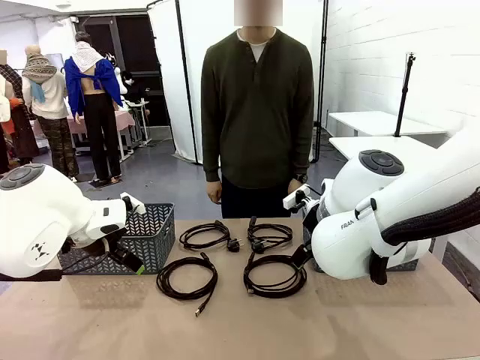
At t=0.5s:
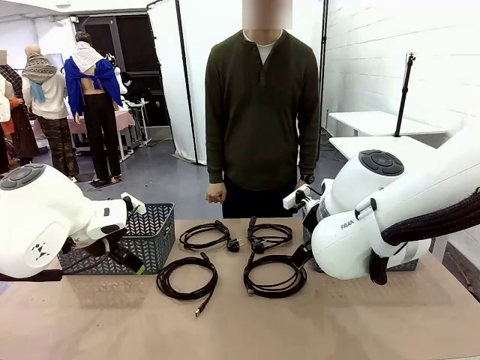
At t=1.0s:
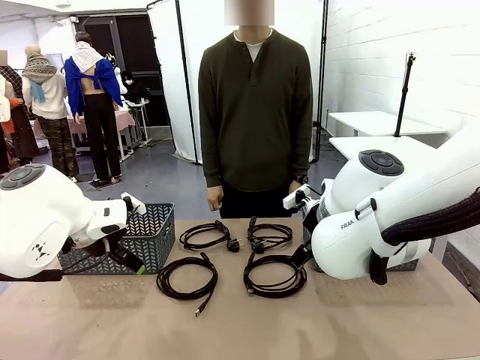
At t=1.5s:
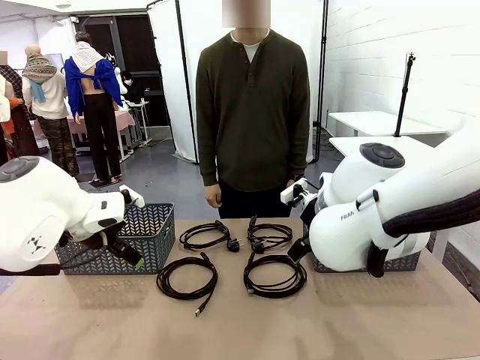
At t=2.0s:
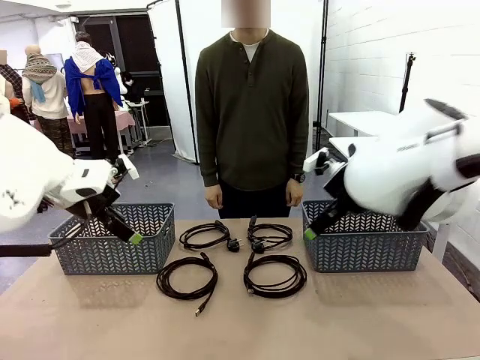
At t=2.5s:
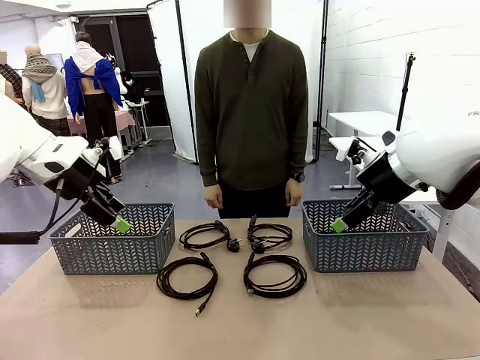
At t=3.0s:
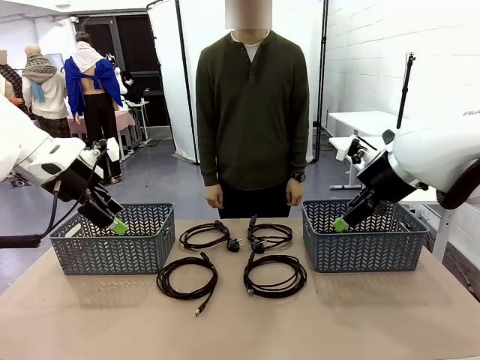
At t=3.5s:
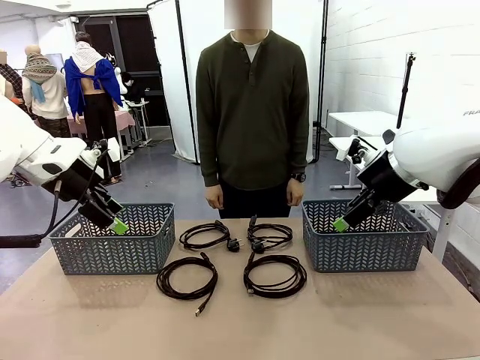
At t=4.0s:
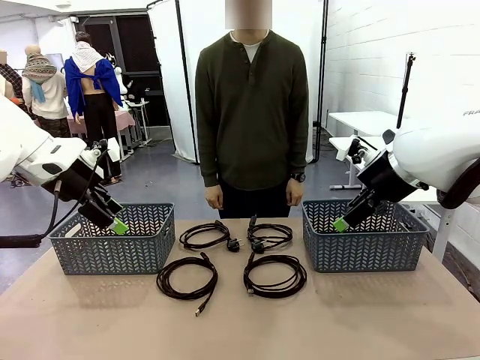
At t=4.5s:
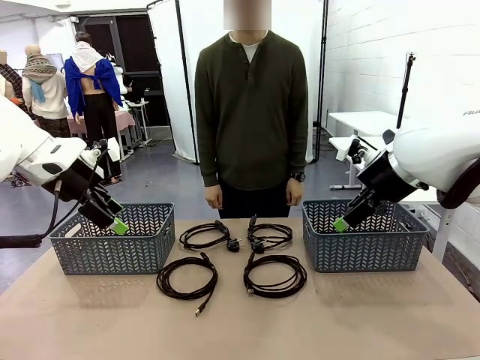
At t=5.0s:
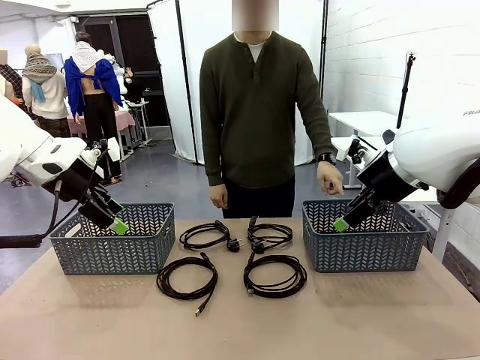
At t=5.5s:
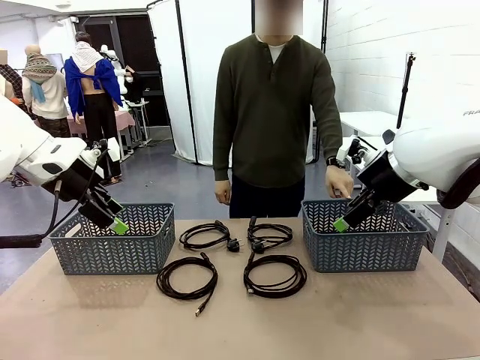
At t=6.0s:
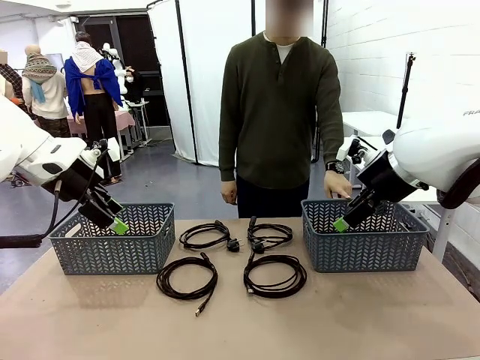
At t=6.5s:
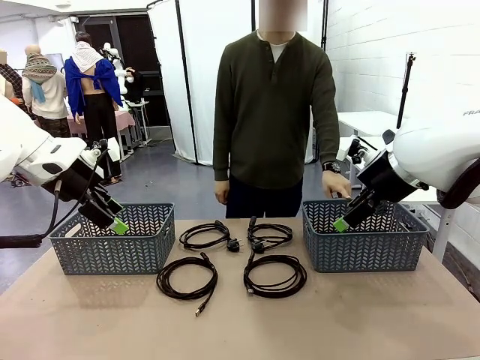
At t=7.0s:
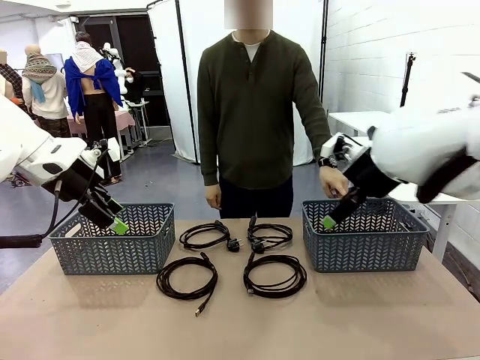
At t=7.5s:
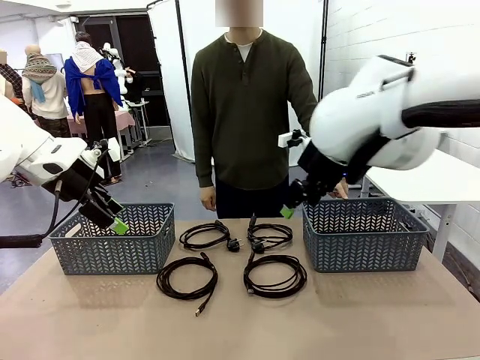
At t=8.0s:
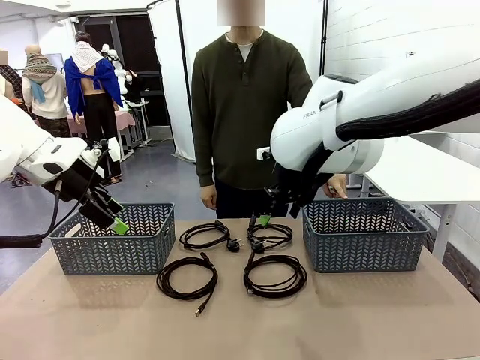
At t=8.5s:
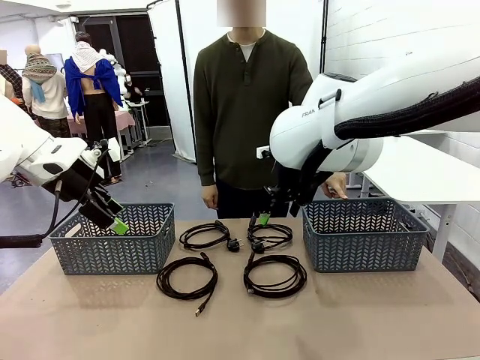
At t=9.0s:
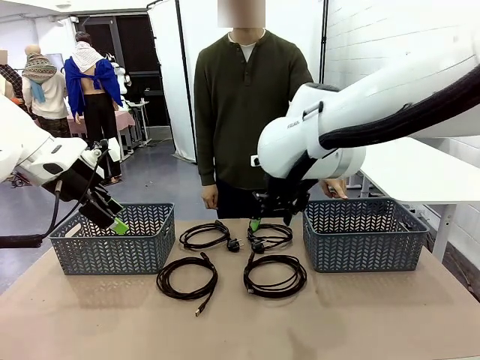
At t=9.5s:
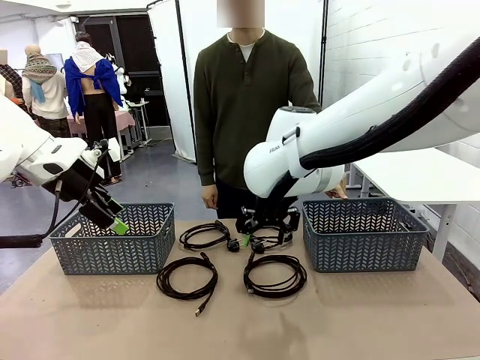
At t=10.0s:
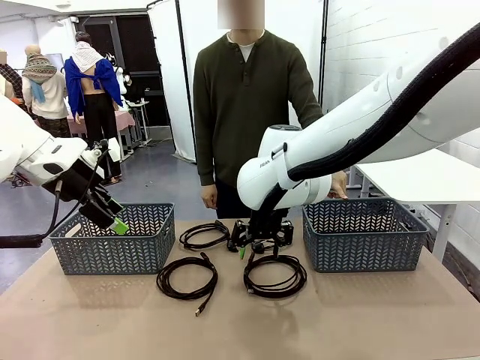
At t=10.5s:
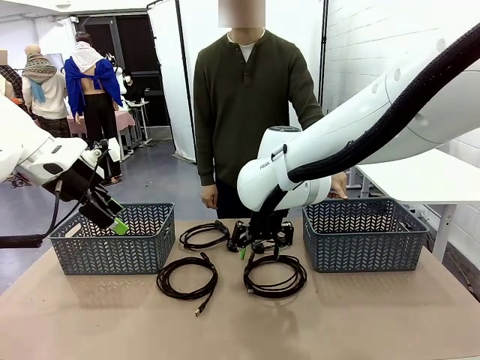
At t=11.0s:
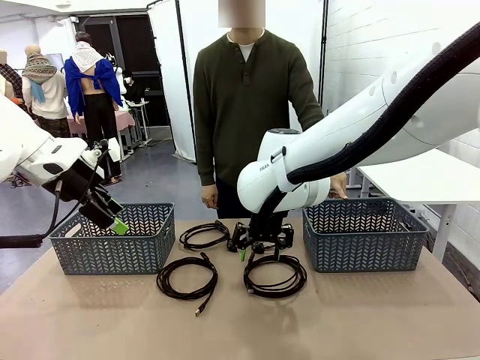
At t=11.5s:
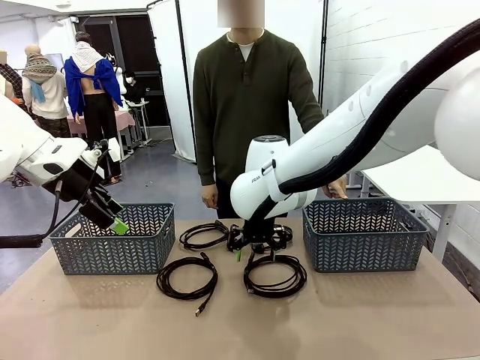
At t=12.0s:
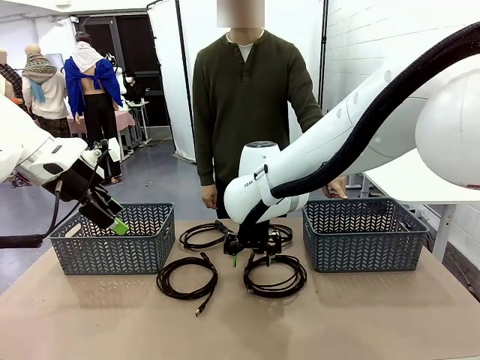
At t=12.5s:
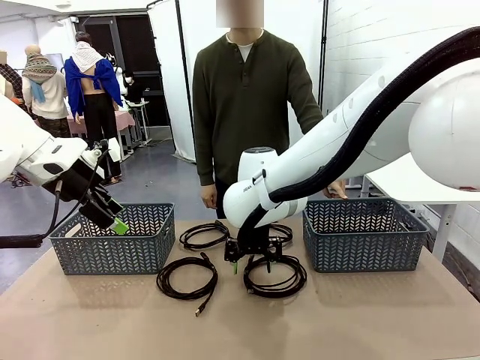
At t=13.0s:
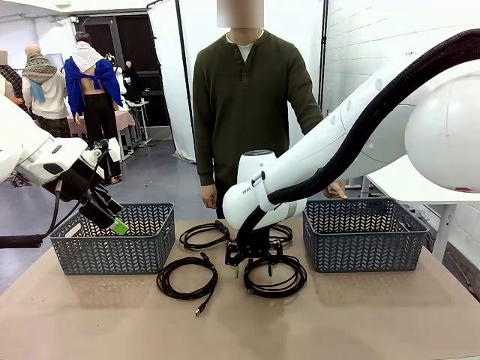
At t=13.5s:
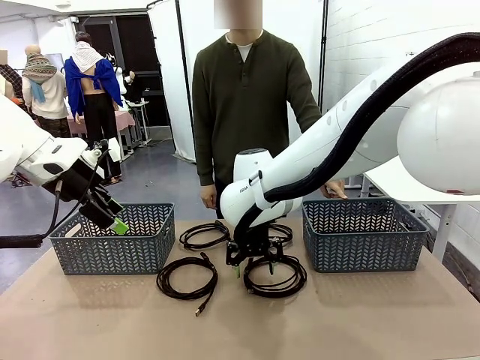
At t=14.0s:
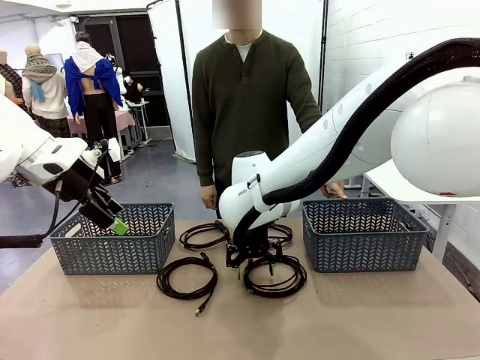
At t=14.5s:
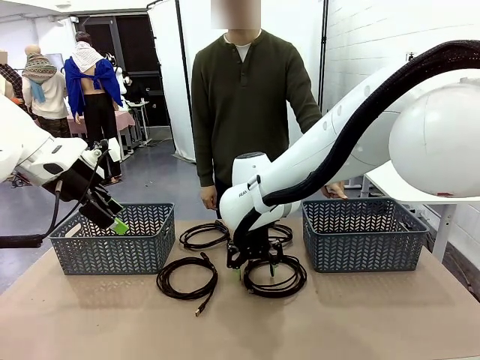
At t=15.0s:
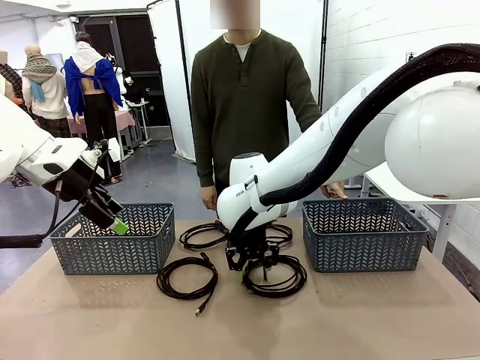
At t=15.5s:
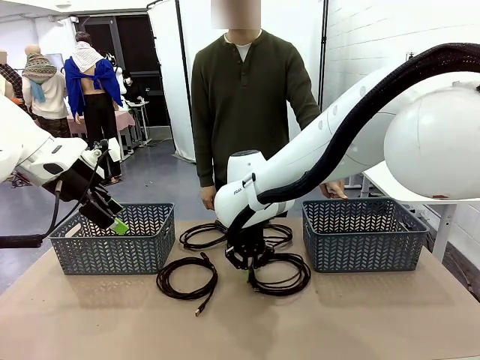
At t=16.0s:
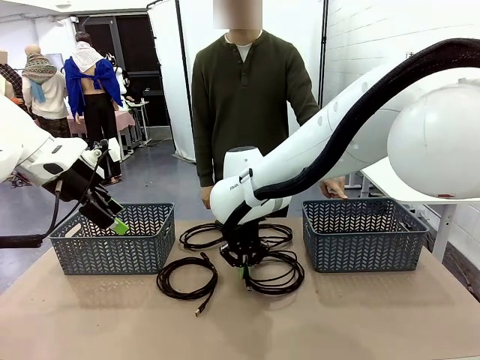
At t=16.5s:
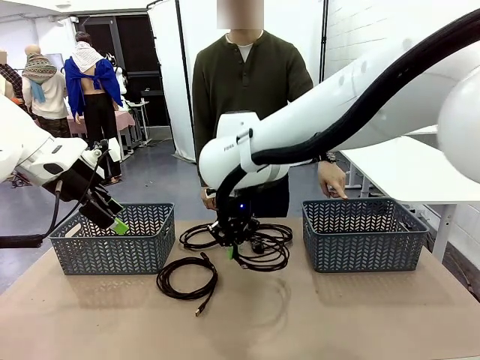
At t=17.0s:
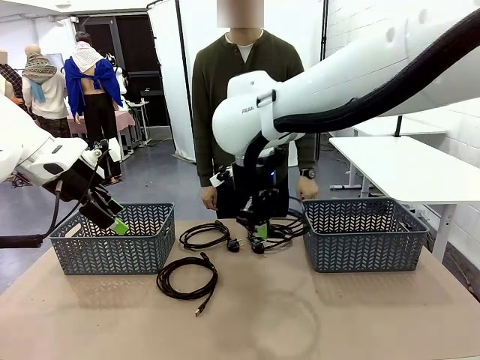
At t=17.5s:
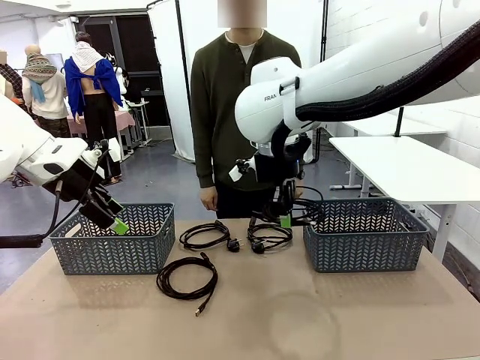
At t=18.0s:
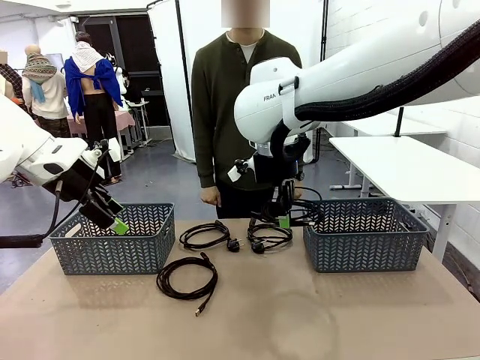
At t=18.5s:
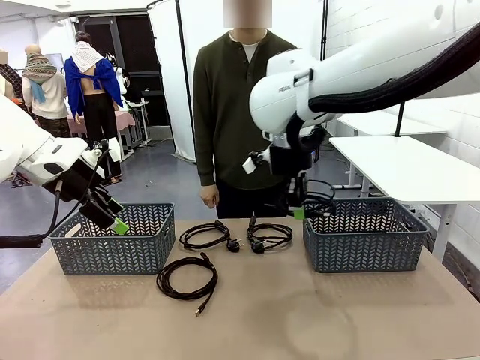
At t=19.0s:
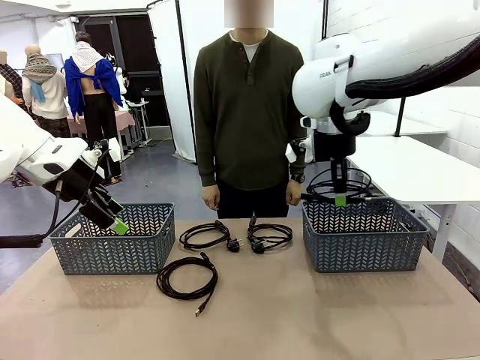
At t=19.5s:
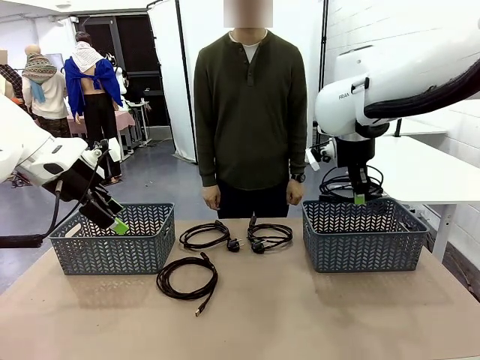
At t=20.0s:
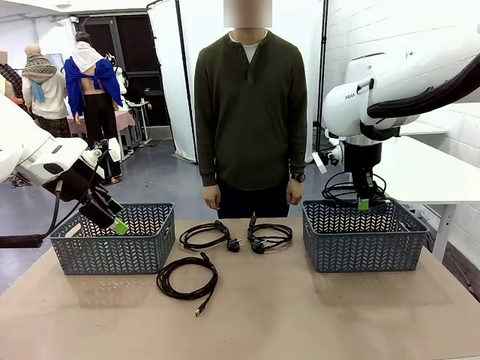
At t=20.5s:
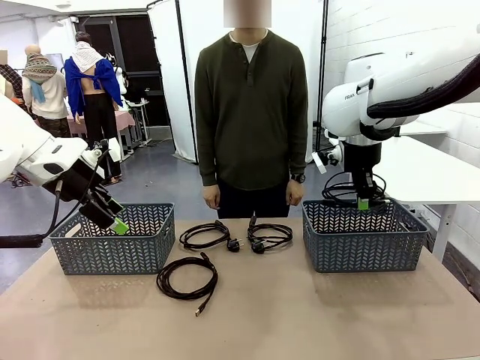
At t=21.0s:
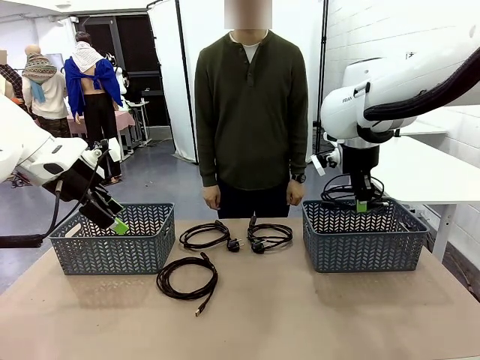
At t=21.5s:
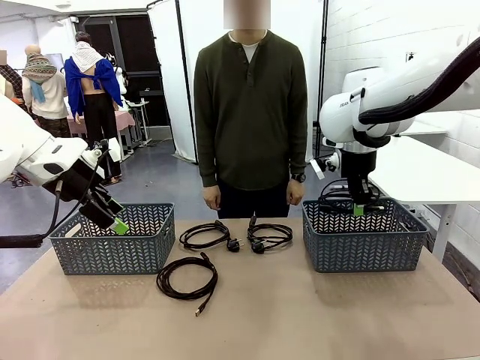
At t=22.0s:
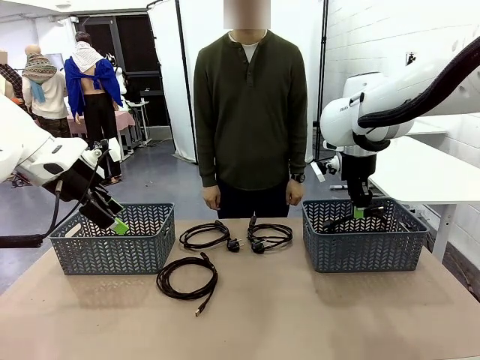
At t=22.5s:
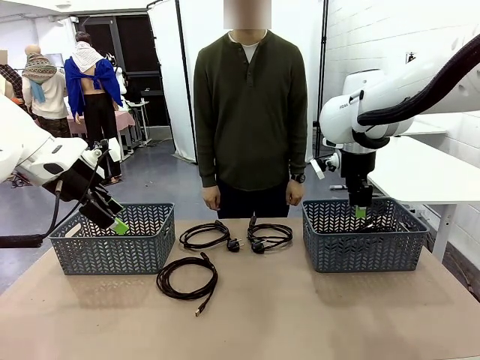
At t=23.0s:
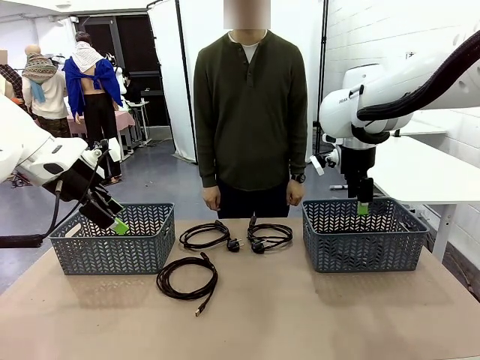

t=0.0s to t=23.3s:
Task: Organize the cables according to human instructions.
Robot: Pick up a bundle of cables and place it in the basket indicated by the human.
